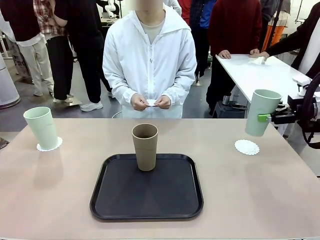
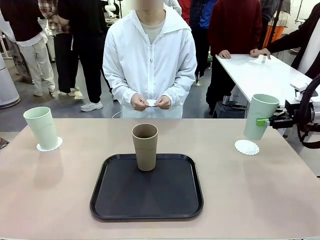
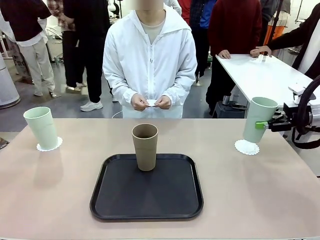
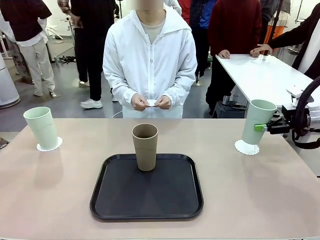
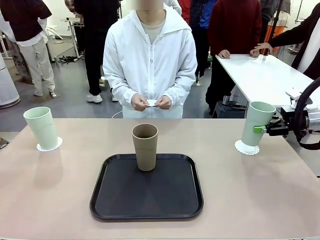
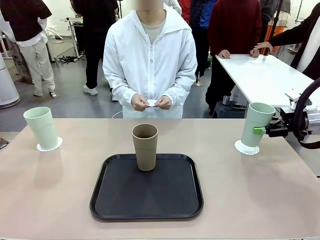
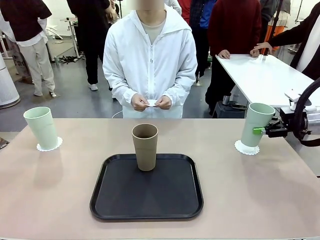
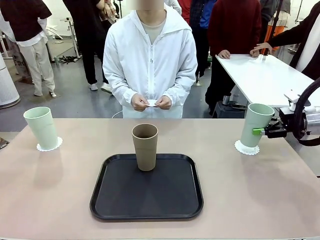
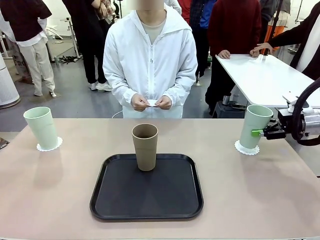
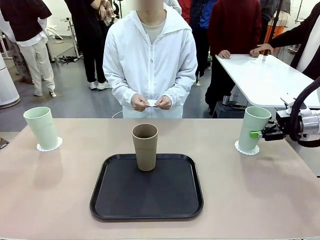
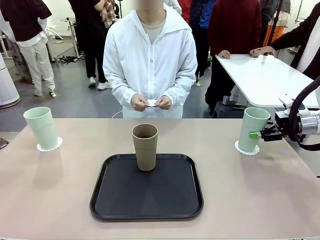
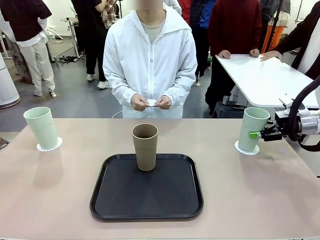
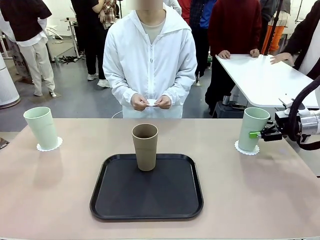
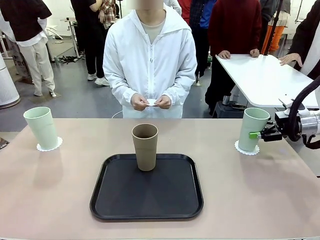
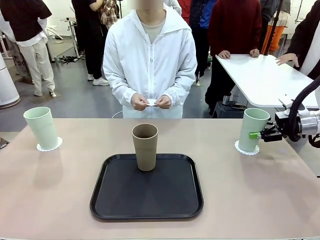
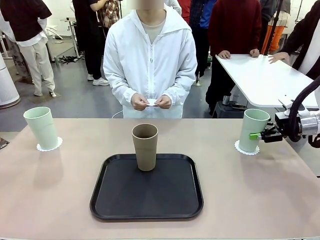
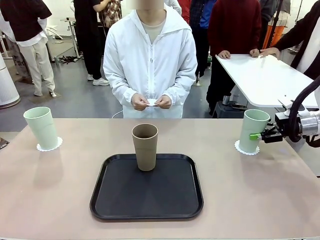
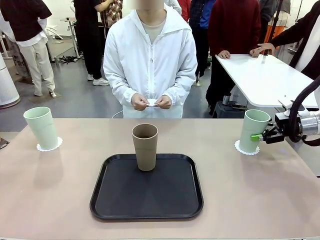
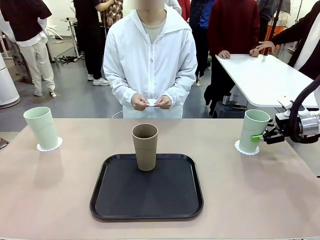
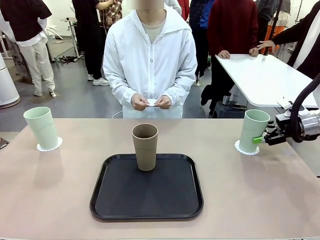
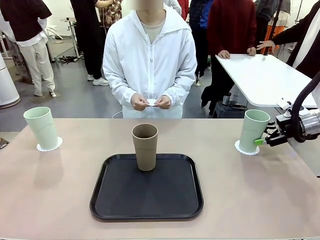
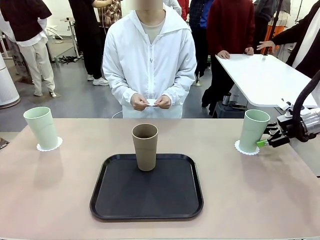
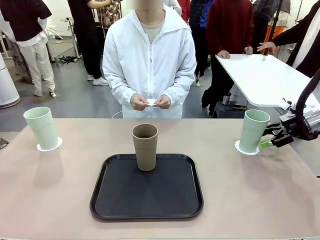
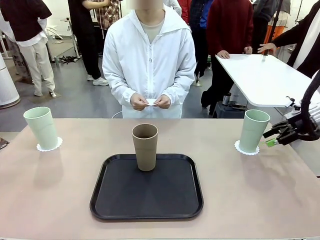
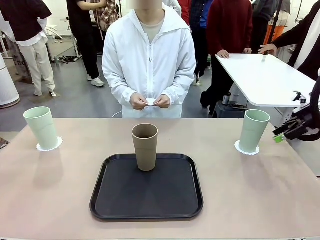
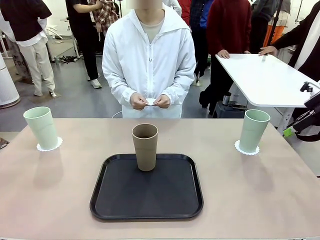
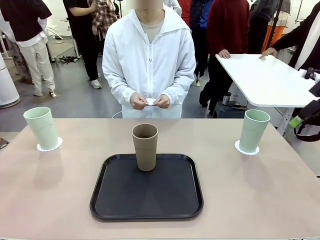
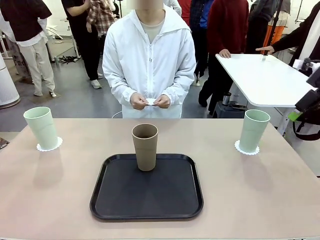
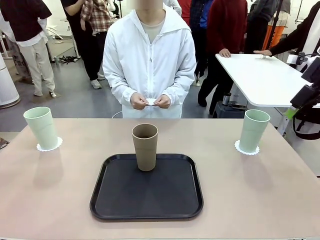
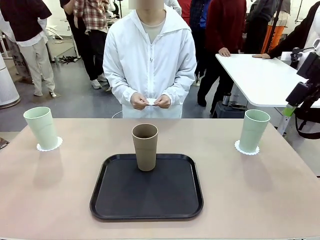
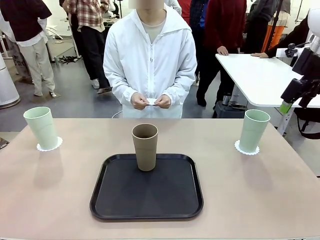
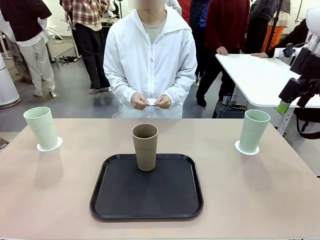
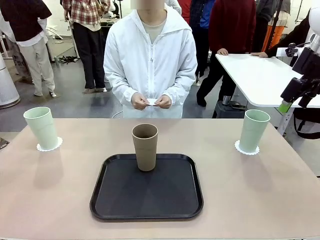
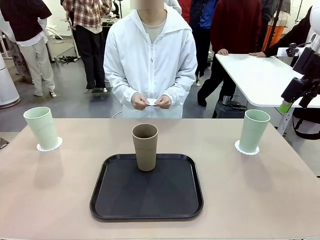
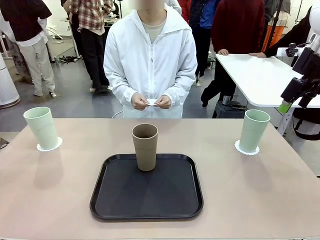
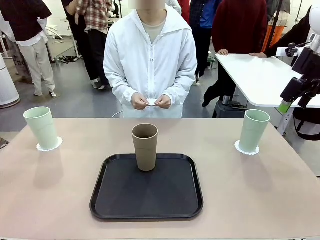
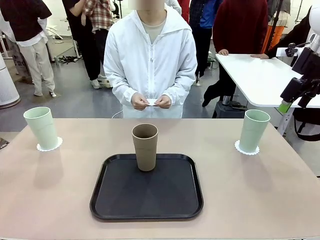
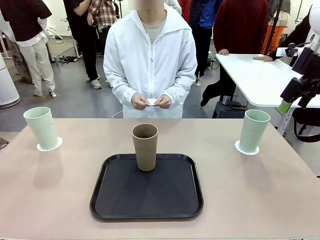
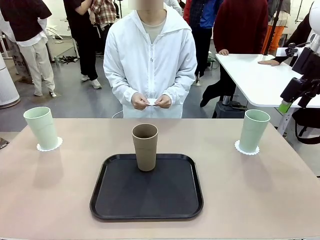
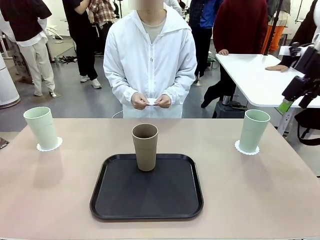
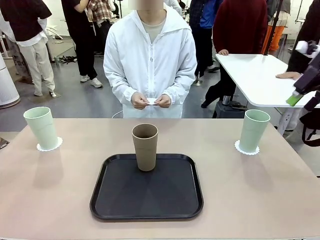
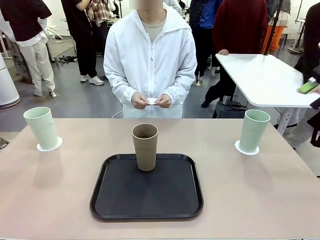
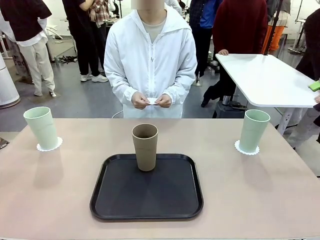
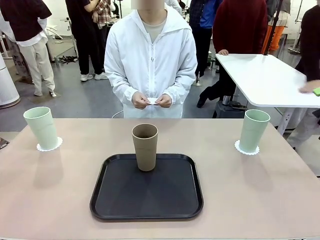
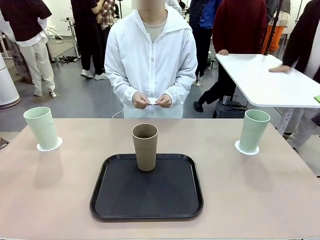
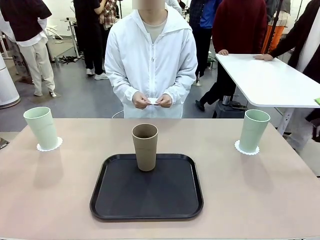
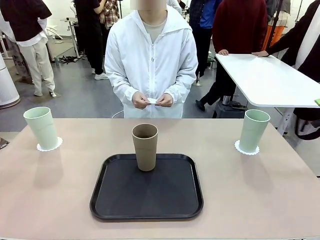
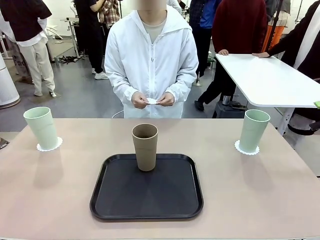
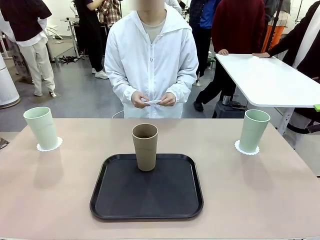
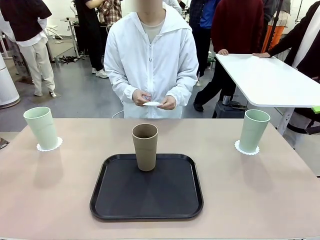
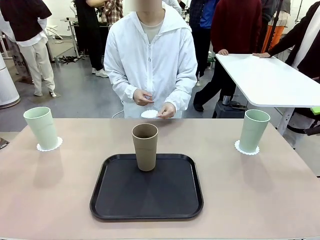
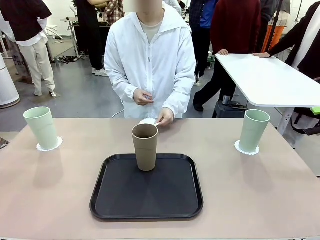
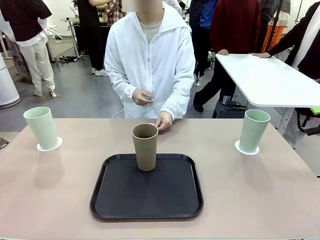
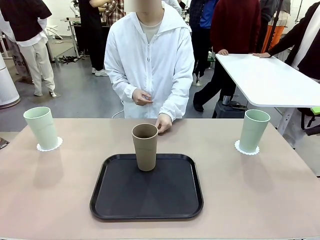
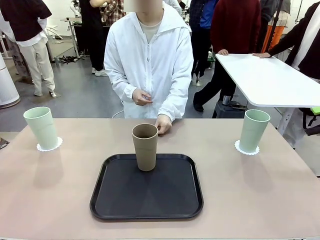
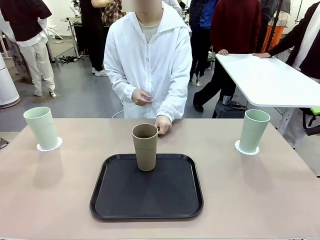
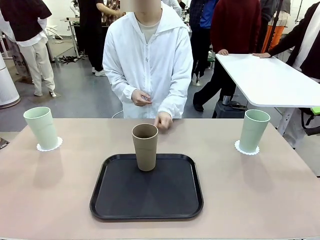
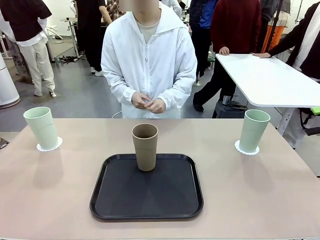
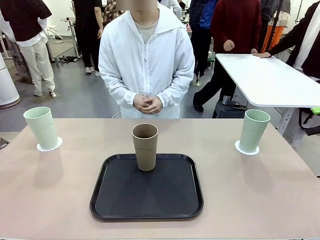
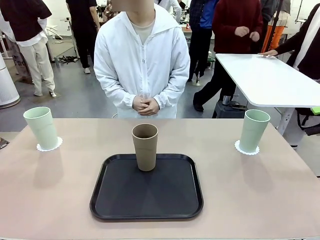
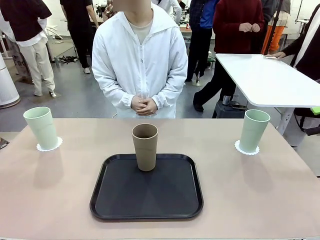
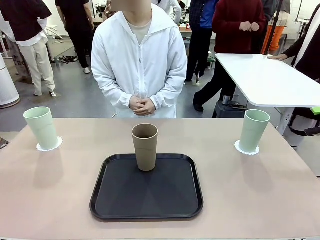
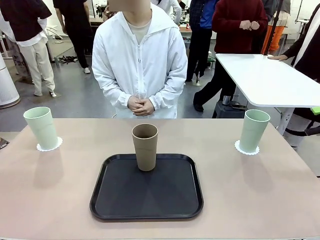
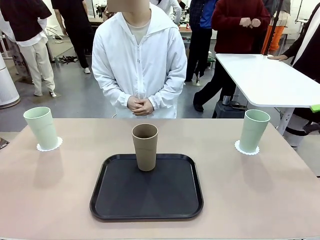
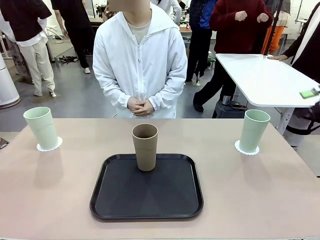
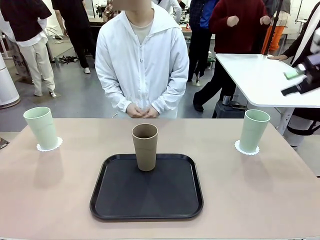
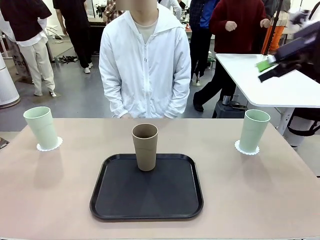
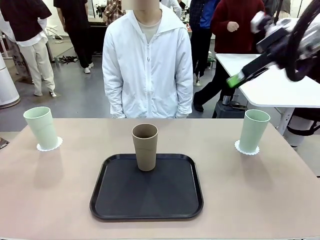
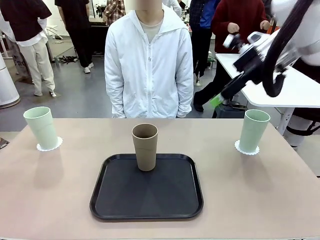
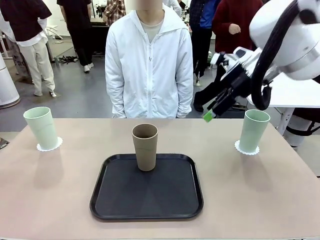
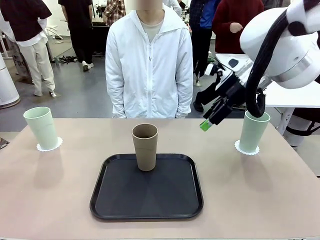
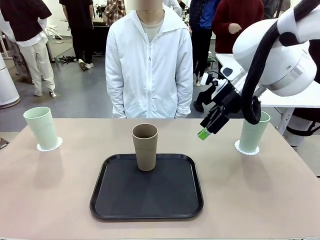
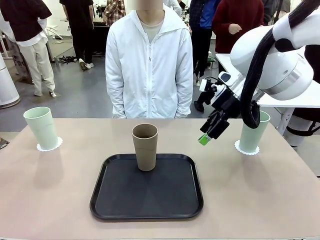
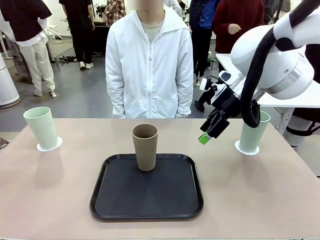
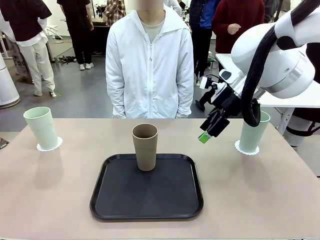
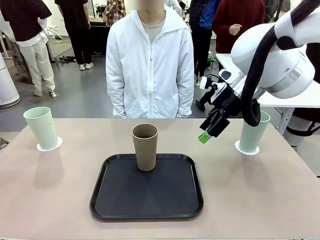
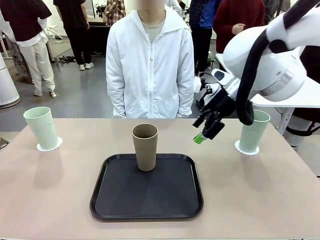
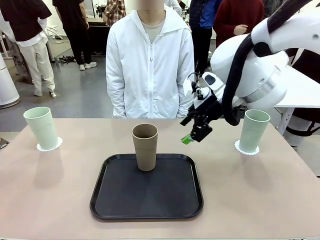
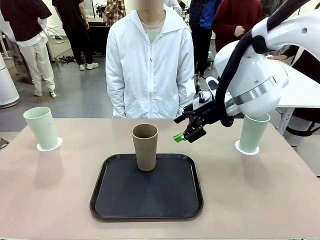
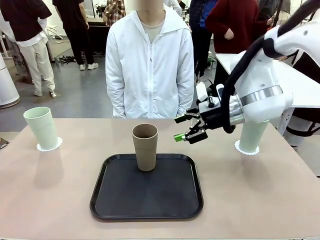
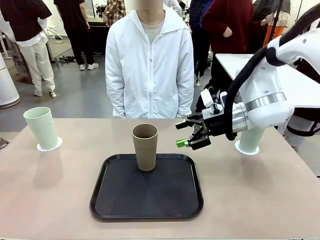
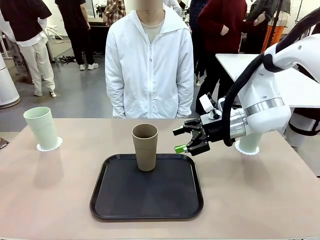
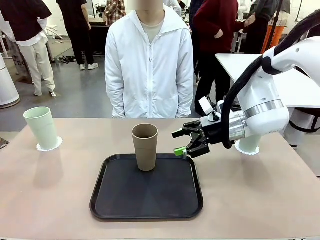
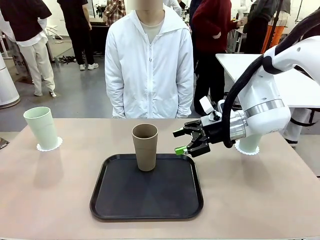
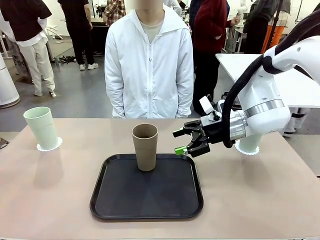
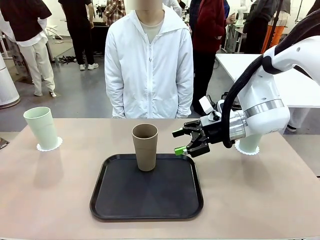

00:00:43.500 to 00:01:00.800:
Task: Place coasters on the table and set cups on them.
Robot: Take one Reusable plastic cup from the Flat Tray and place it on a coaster set by the human.
